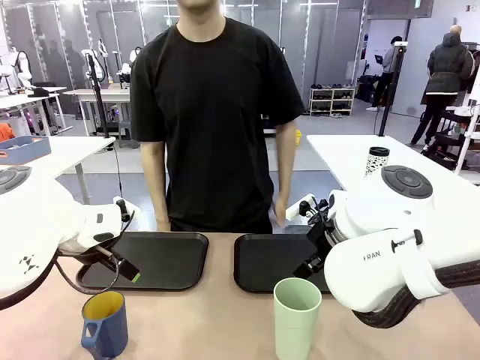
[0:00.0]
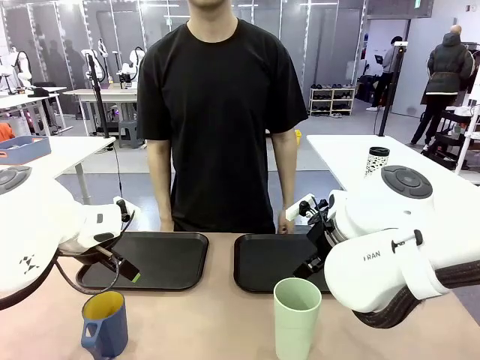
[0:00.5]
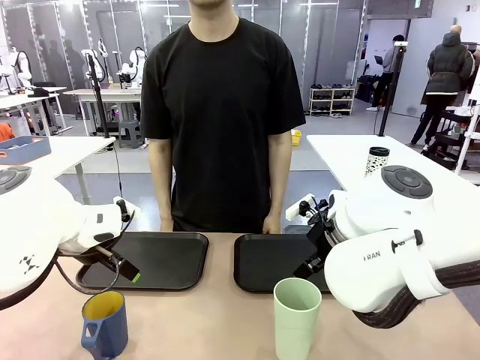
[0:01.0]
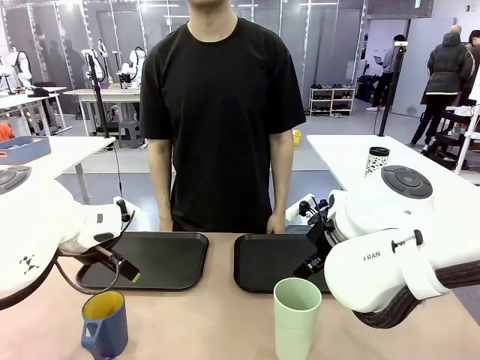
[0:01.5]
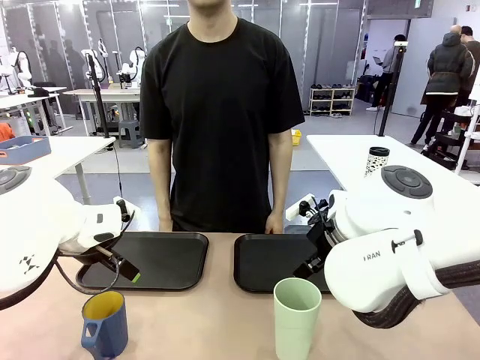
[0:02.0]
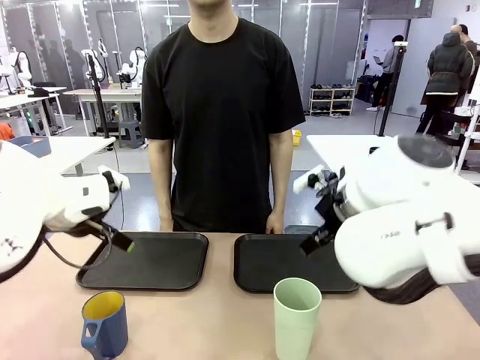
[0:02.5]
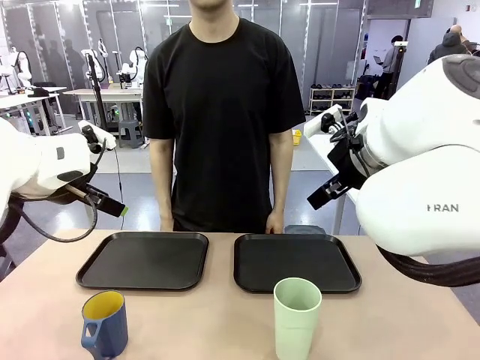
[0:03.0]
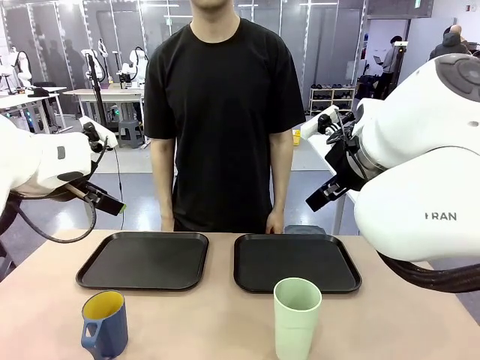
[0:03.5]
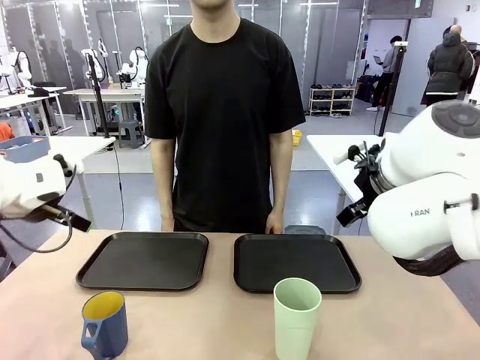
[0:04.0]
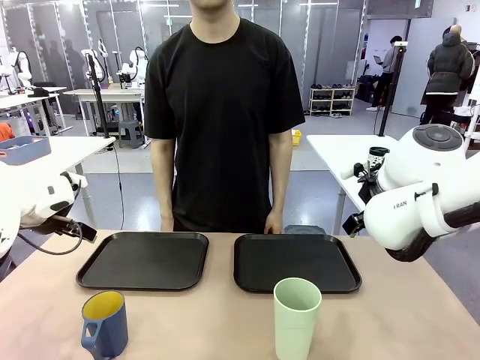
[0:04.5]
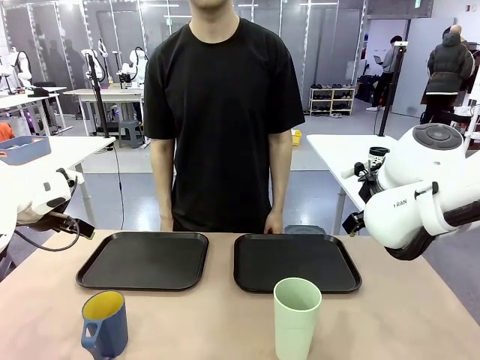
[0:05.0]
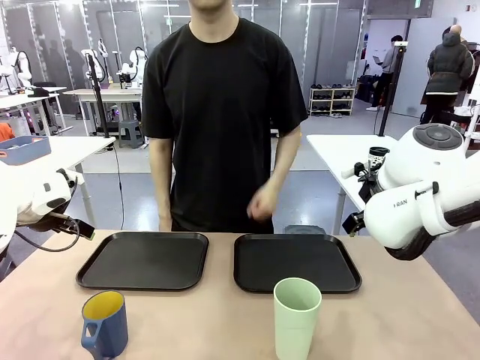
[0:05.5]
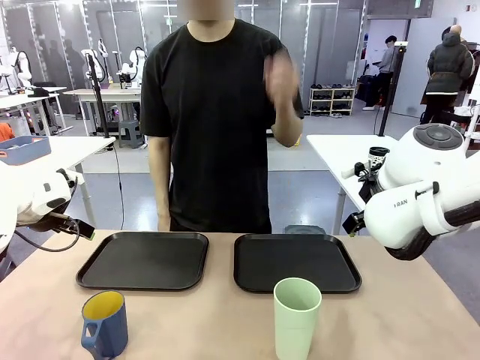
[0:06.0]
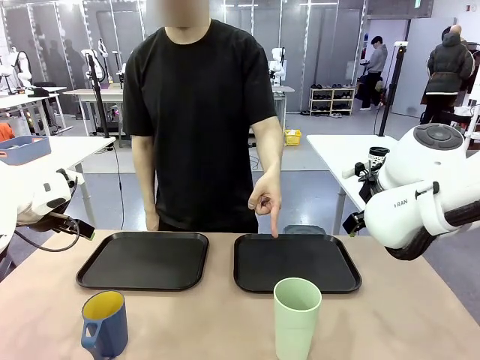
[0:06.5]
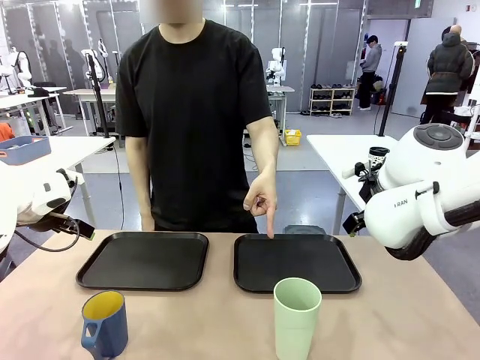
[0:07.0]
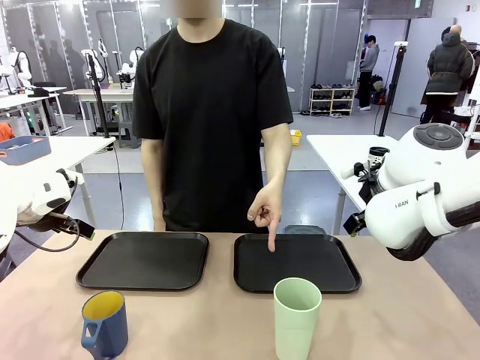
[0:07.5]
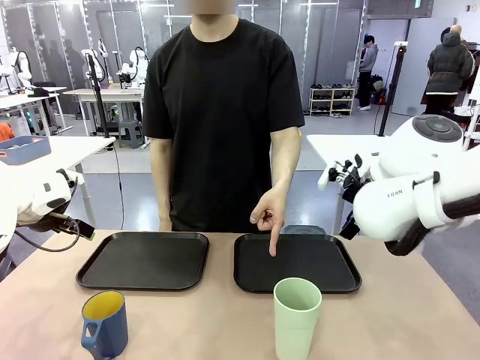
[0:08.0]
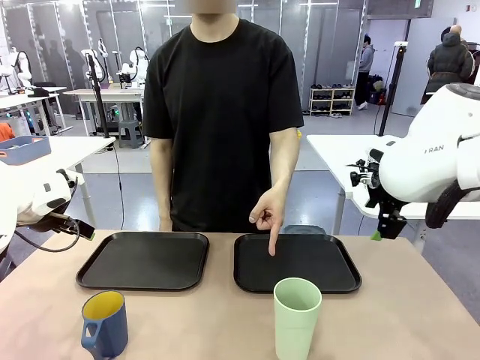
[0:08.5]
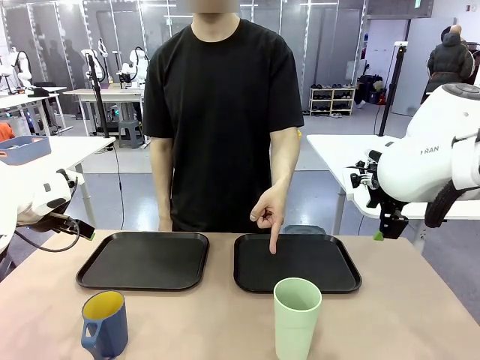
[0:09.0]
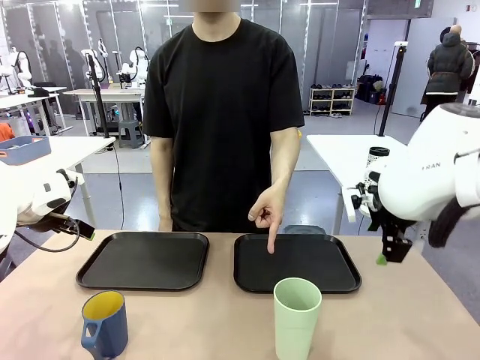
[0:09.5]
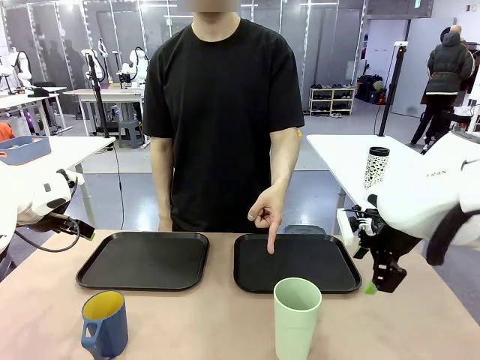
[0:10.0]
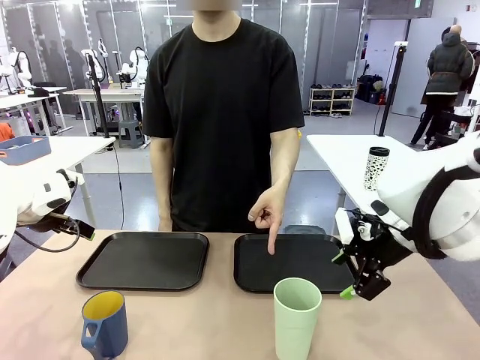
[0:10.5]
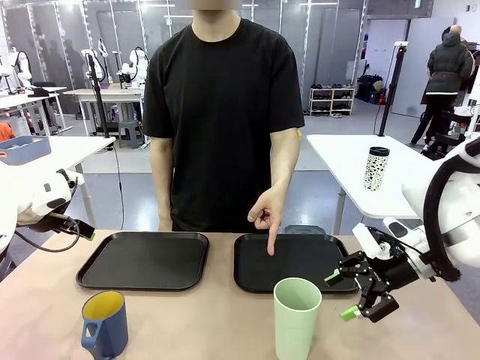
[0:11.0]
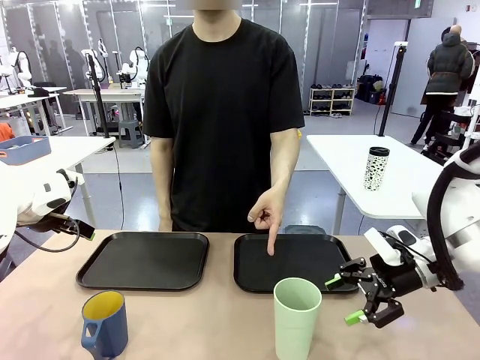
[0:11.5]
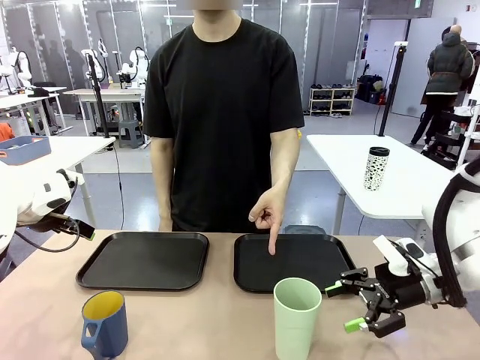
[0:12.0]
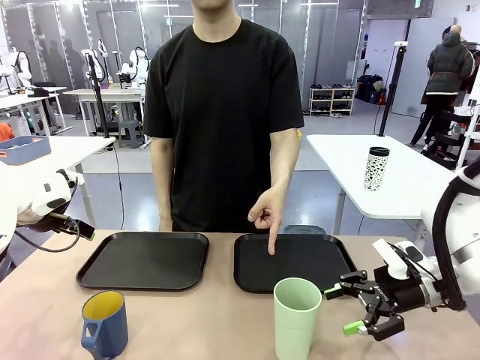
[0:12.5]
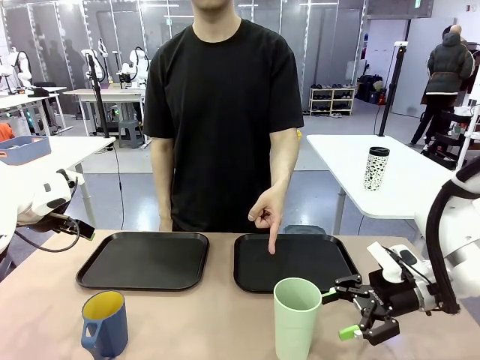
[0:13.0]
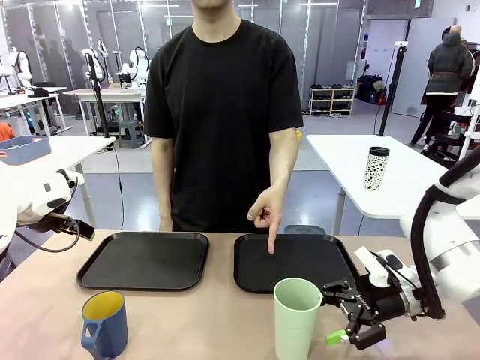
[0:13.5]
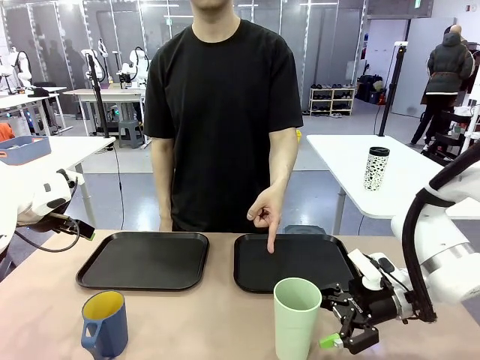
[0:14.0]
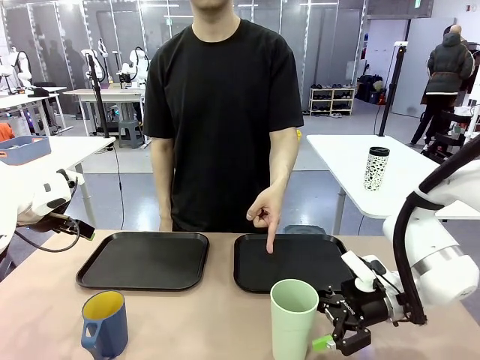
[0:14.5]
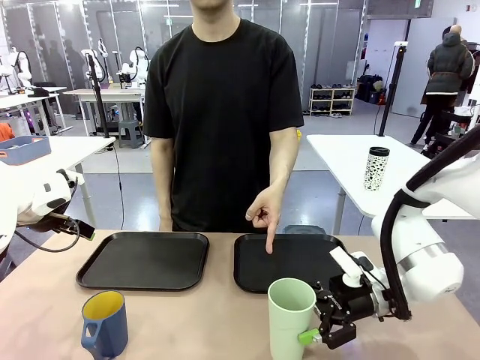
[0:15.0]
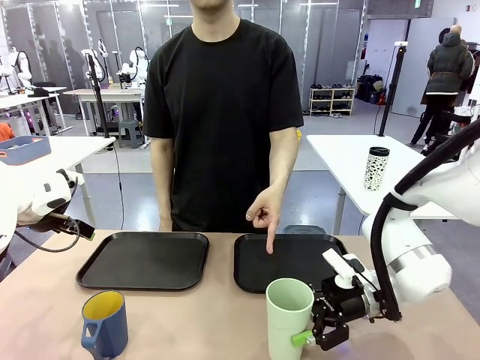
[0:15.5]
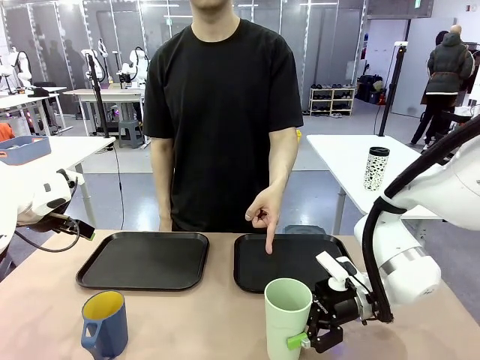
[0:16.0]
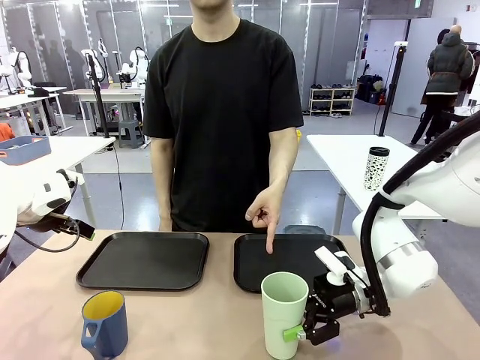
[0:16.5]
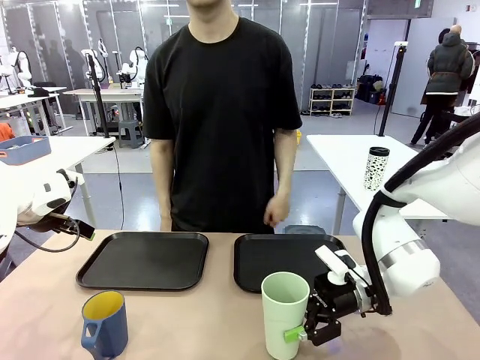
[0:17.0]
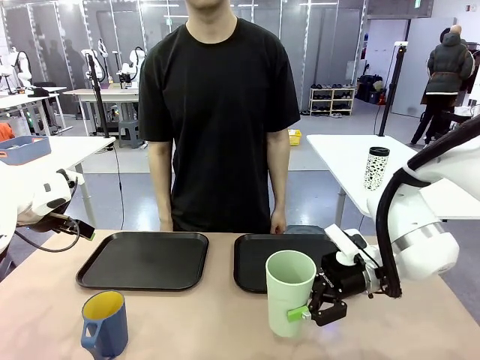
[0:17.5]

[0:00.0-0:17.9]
Task: Sort and store the cups by type.
Robot: Pick up the Reusable plastic cup.
Person: Points to the reusable cup. Point to one of the two trays.

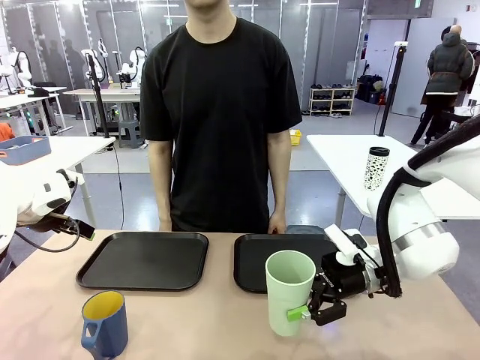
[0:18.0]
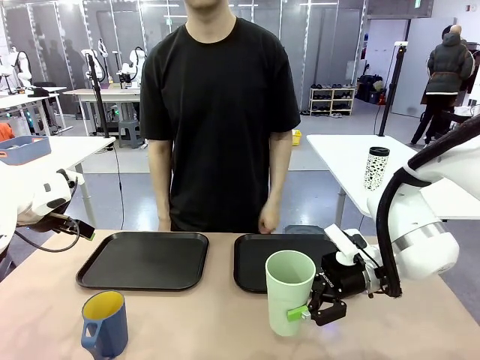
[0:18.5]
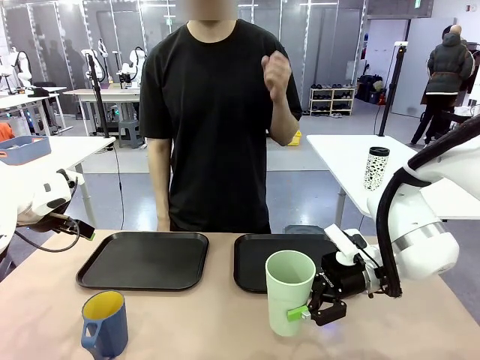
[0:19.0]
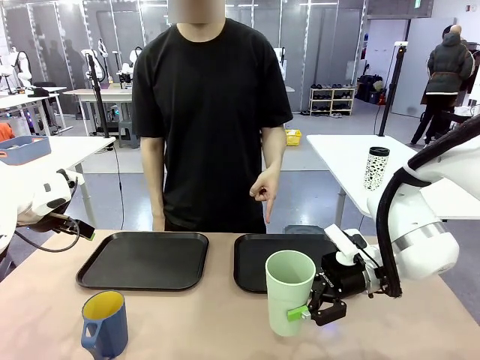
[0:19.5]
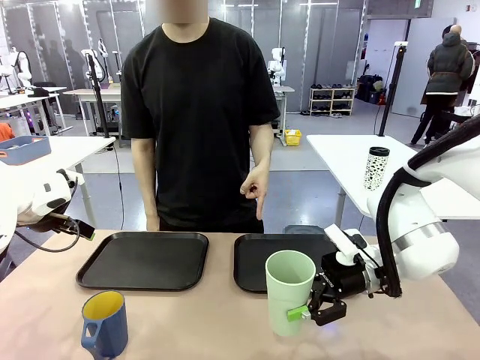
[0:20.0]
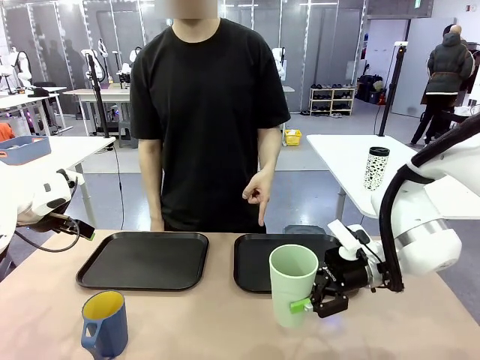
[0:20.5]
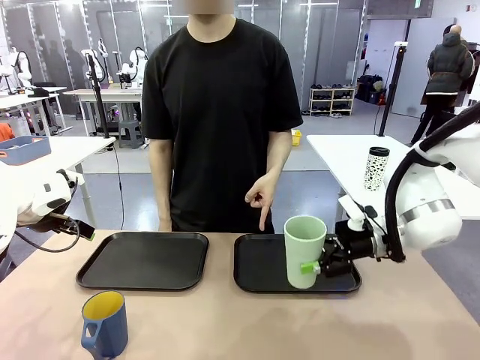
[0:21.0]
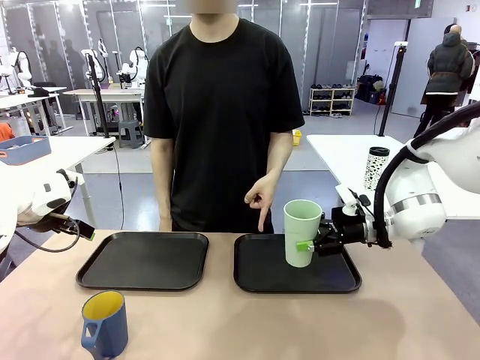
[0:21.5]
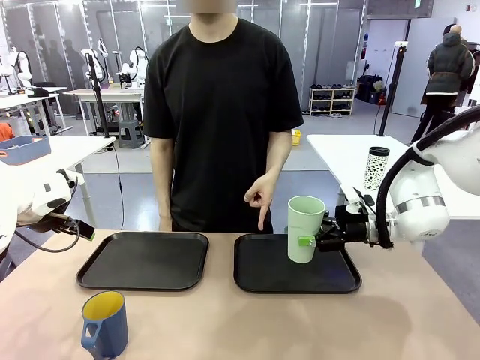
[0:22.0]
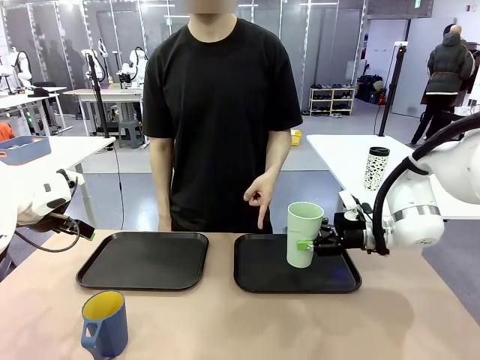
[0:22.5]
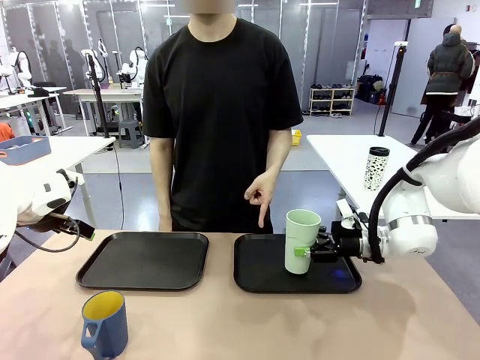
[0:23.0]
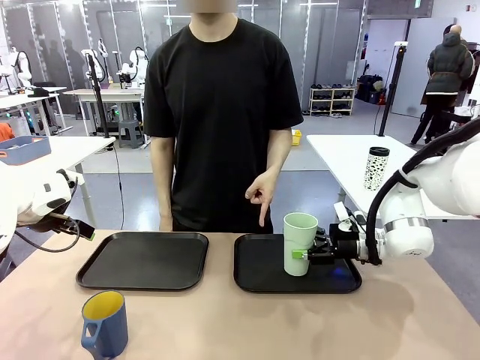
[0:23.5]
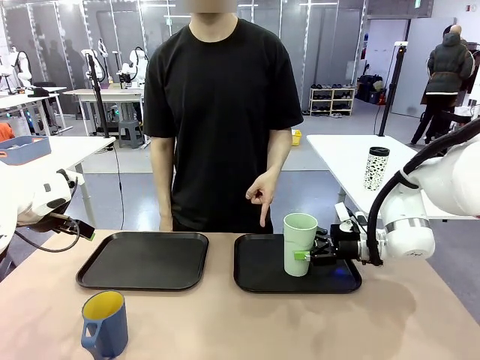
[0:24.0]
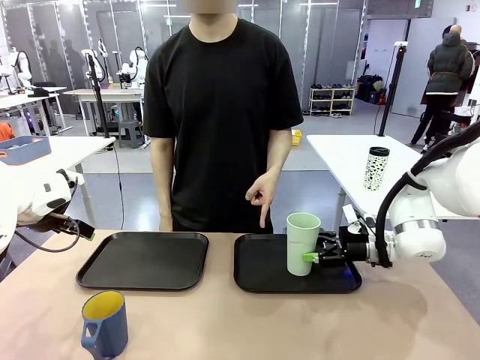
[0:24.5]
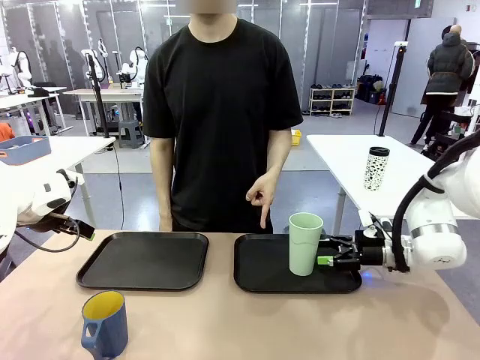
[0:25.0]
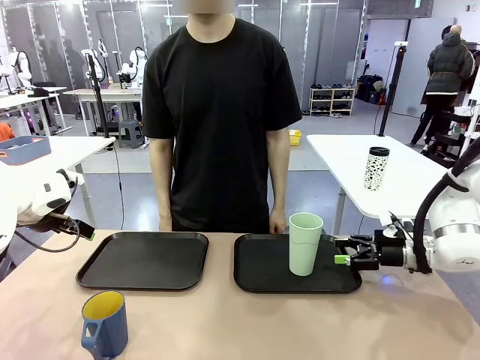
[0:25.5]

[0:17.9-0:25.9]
Robot: Place the picked Reusable plastic cup into the Flat Tray indicated by the person.

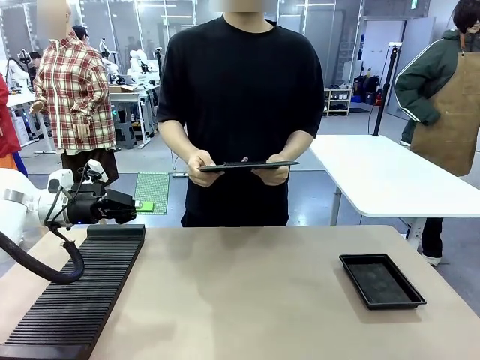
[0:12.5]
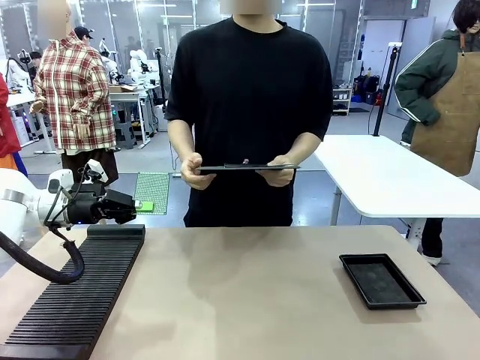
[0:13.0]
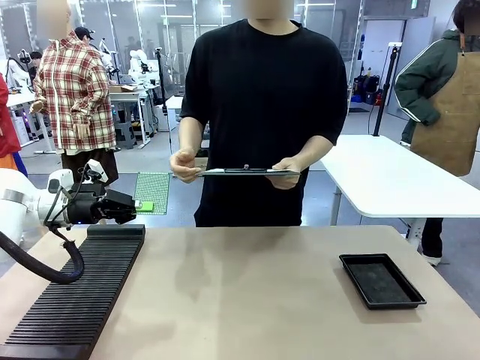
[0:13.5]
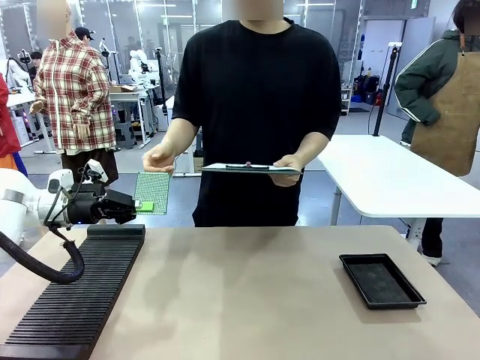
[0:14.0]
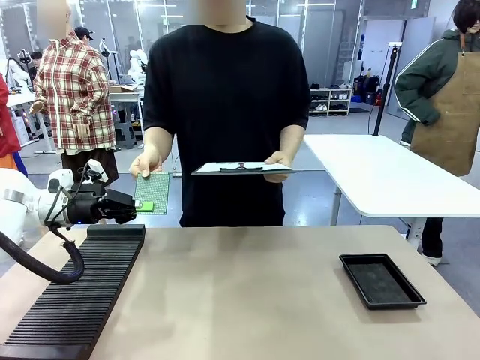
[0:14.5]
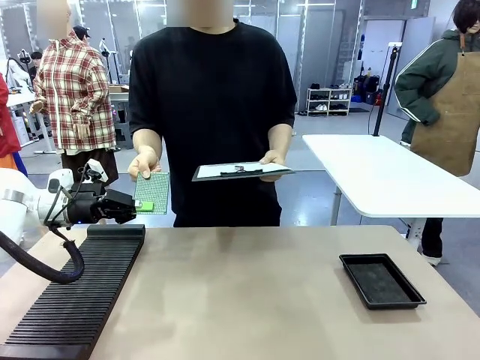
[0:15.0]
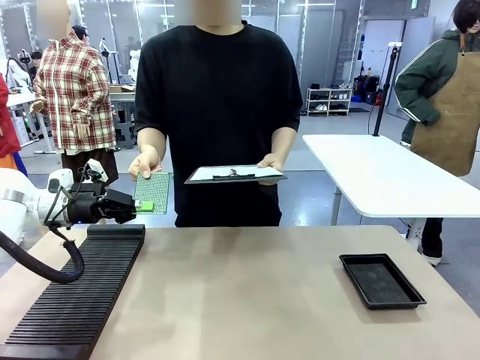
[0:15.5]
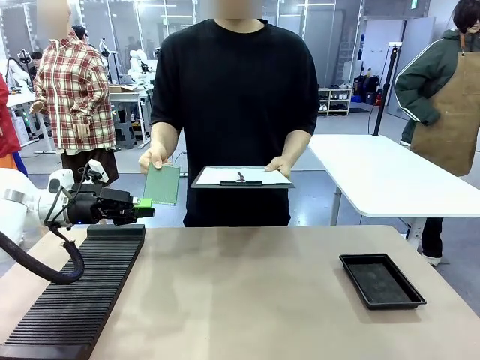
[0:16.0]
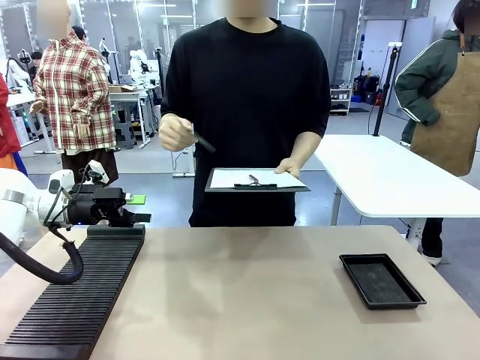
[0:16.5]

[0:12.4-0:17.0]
Task: Inspect the PCB.
Robot: Release the Blank PCB you were holding.
